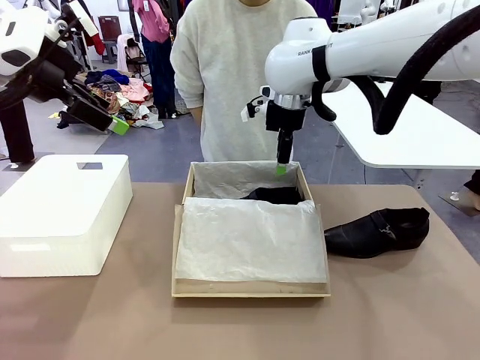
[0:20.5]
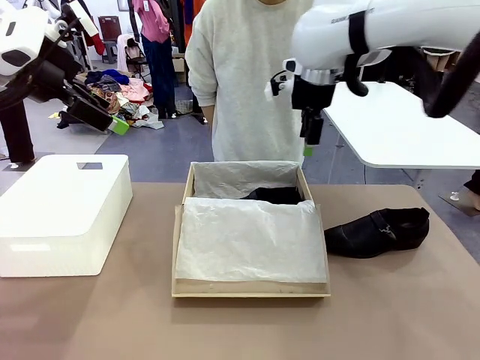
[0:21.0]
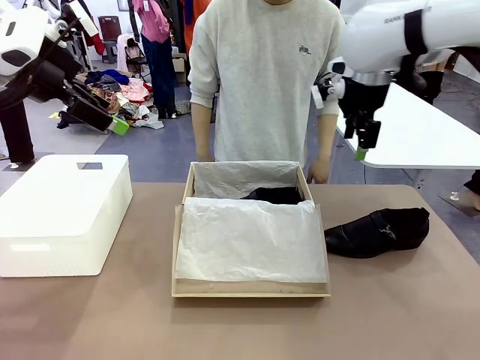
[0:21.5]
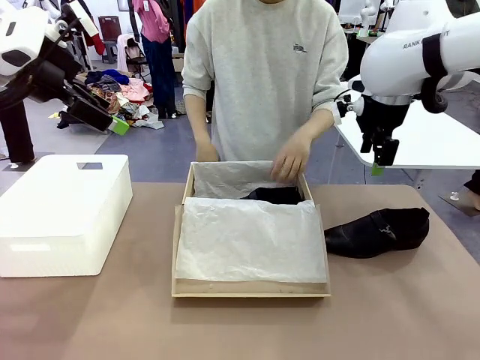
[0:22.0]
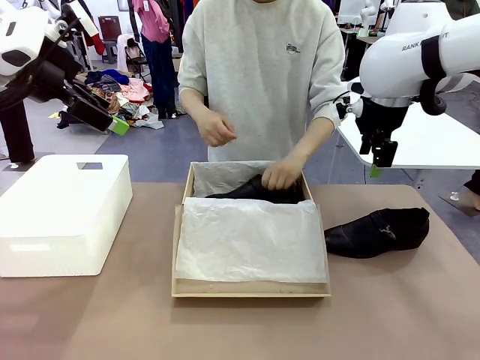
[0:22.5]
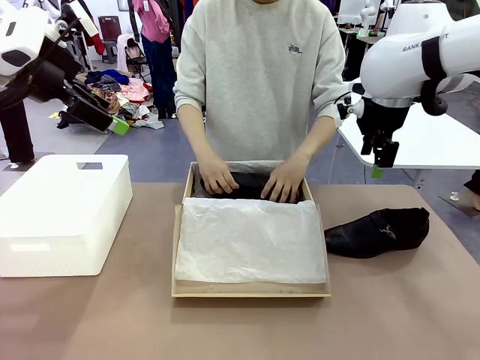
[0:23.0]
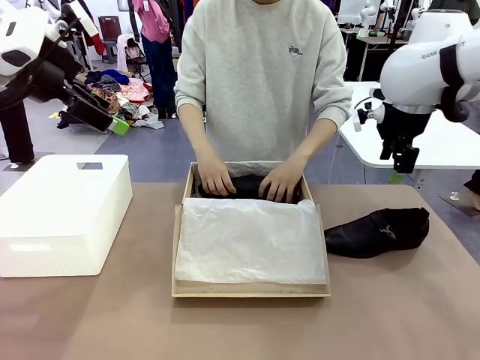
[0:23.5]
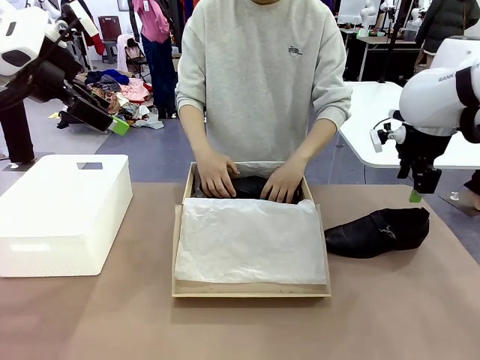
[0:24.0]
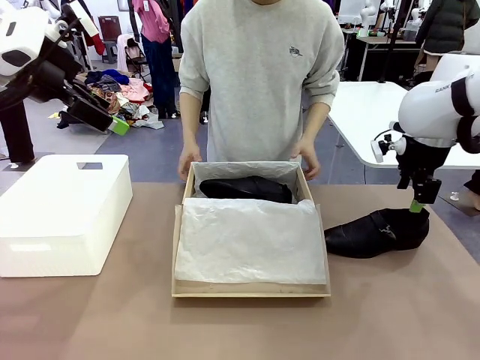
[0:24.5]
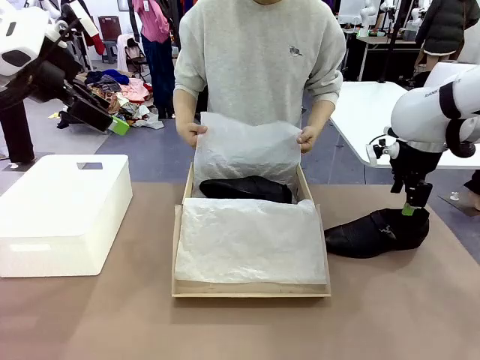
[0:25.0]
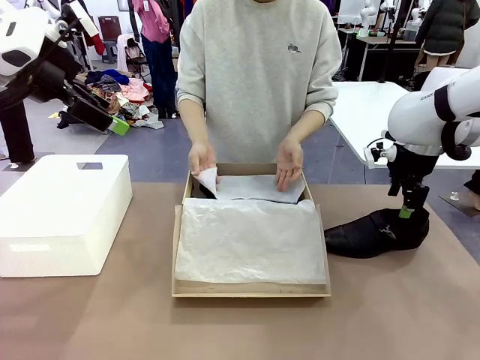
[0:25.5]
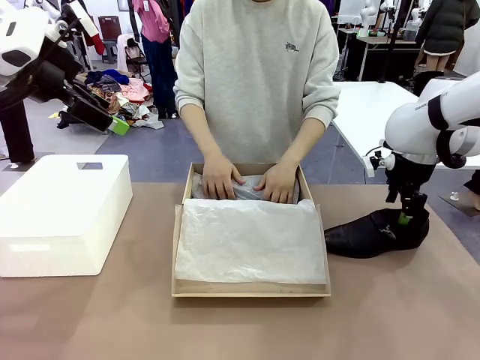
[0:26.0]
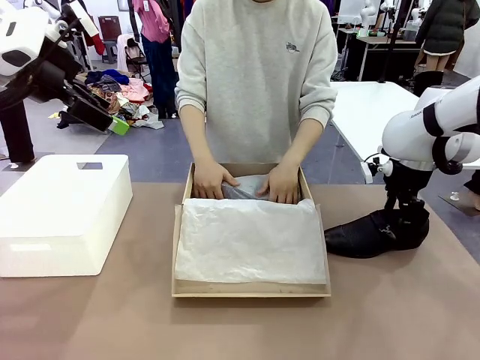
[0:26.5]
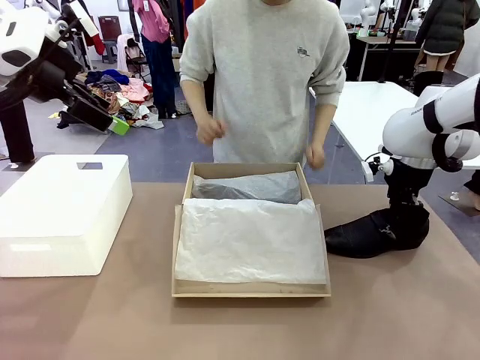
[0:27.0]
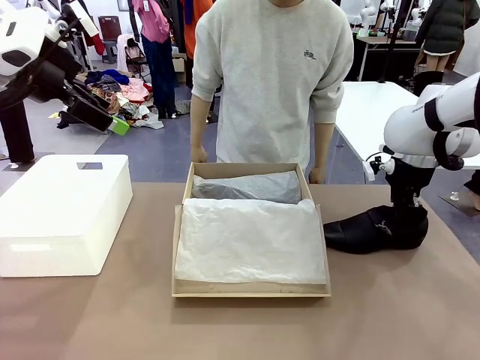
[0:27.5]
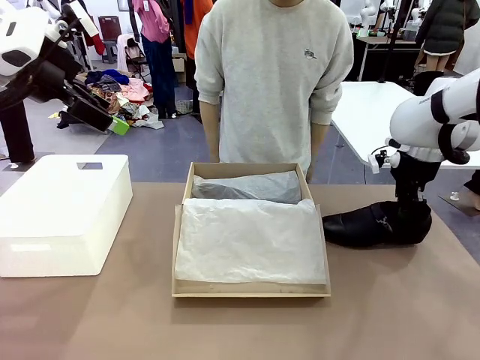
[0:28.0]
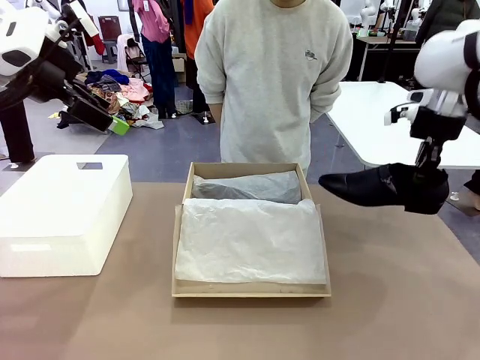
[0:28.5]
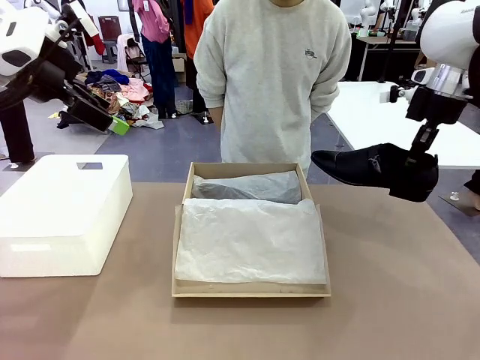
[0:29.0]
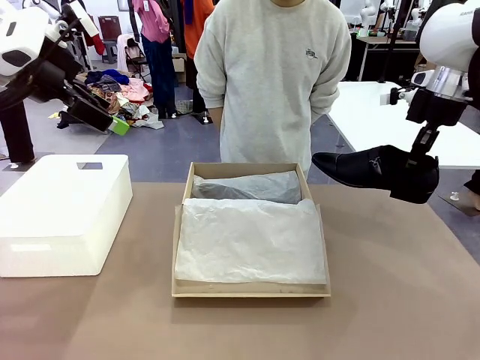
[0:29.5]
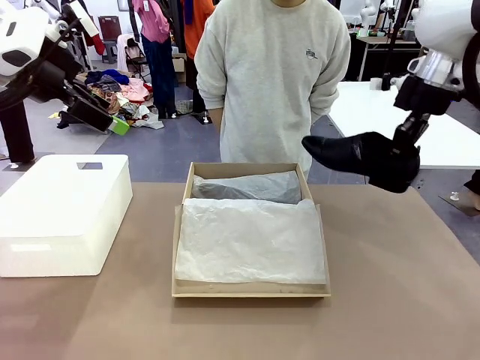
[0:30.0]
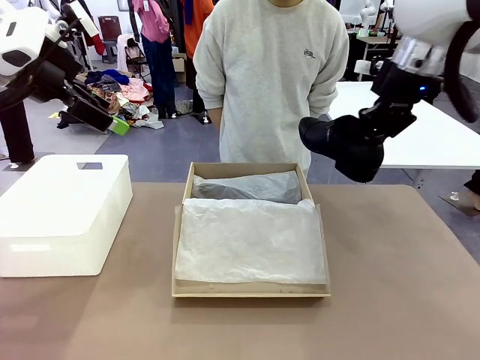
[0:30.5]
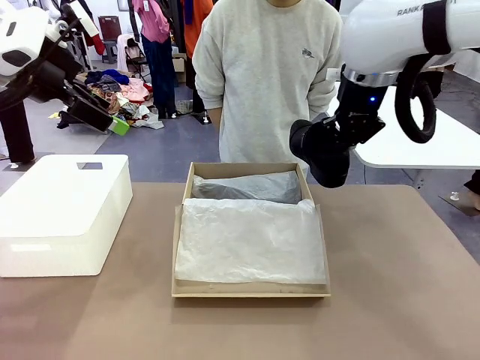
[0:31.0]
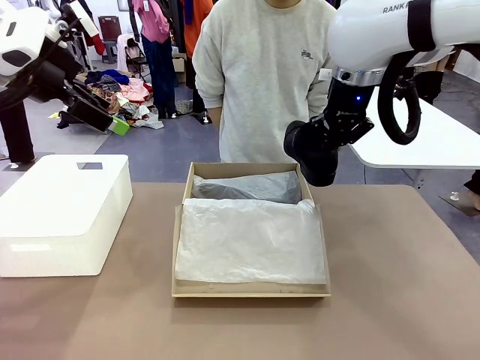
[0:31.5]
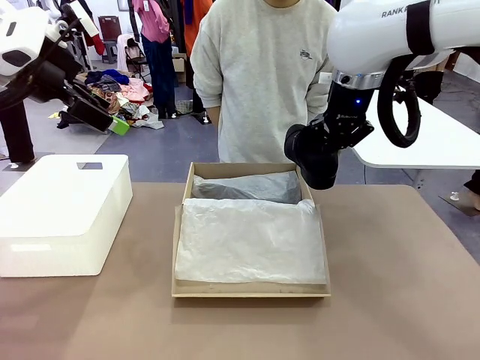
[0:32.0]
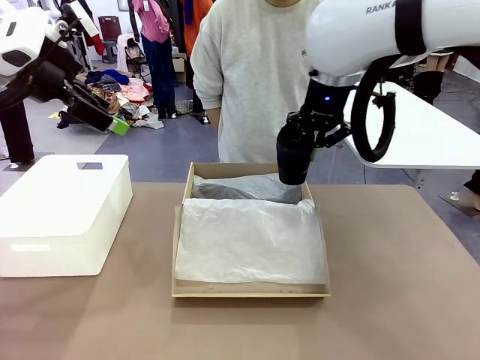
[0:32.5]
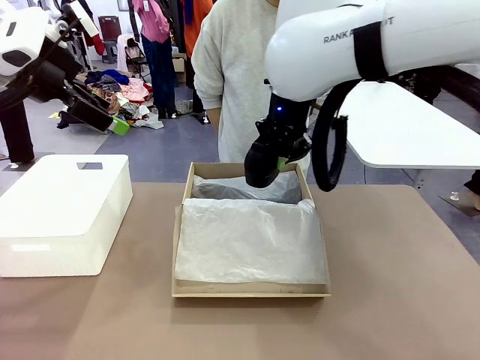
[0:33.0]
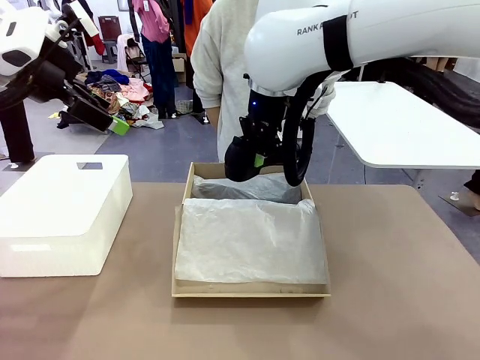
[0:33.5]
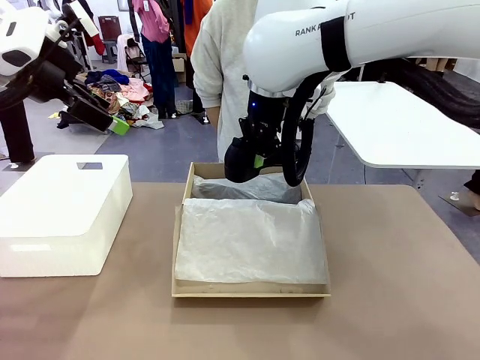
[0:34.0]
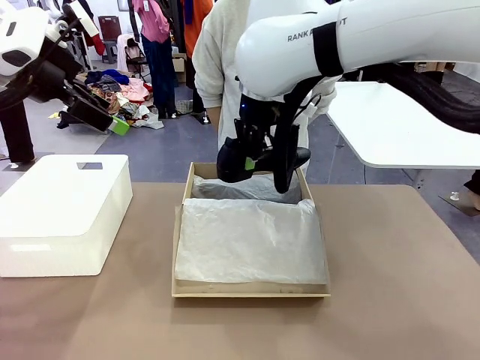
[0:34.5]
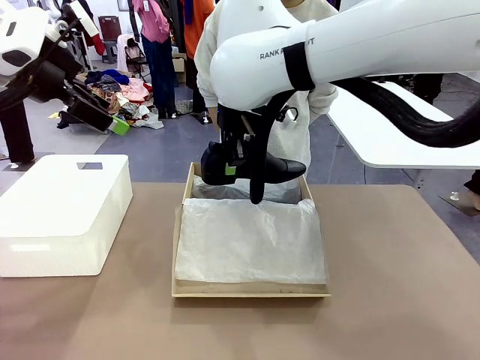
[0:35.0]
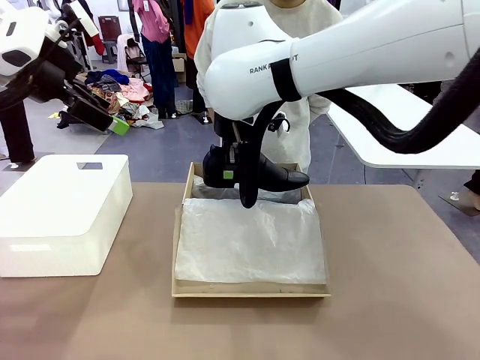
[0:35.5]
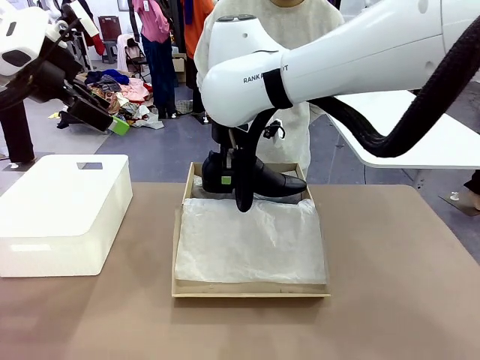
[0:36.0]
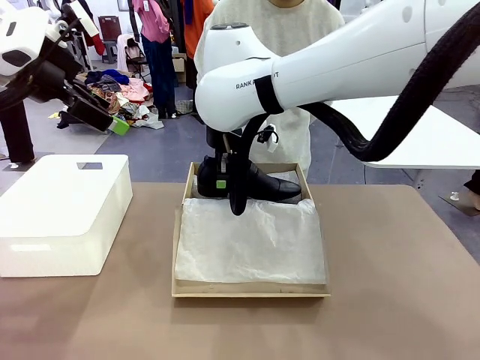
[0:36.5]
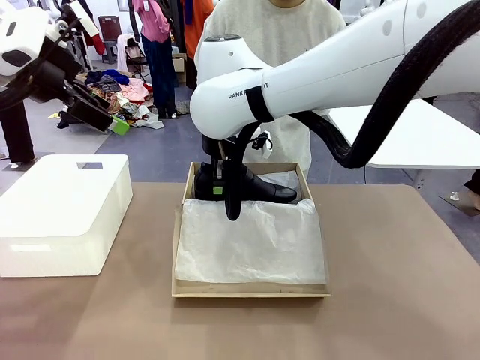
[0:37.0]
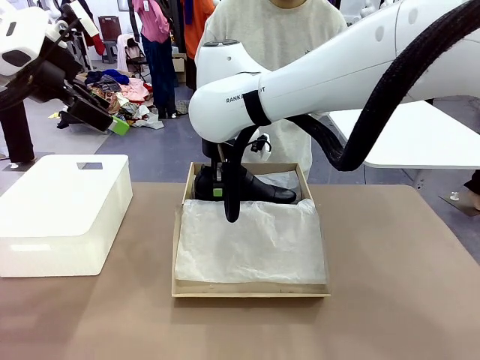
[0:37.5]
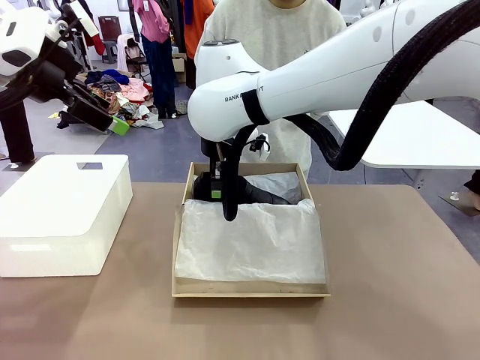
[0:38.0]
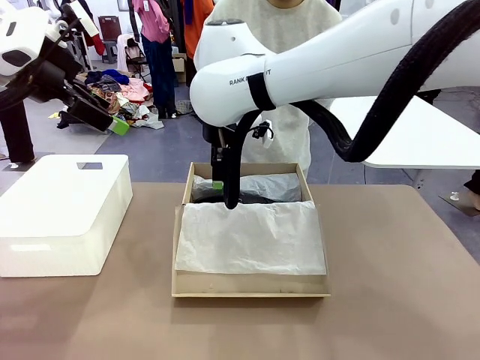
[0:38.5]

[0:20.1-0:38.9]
Task: Pack the shoes into the box.
Robot: Place the other shoe of the Shoes into the Shoes Box.
Person: Pack a shoe of Shoes inside the Shoes Box with Shoes Wrapping Paper.

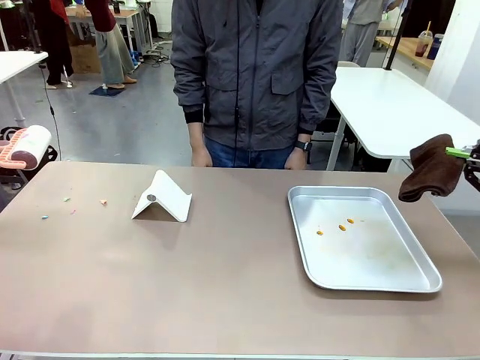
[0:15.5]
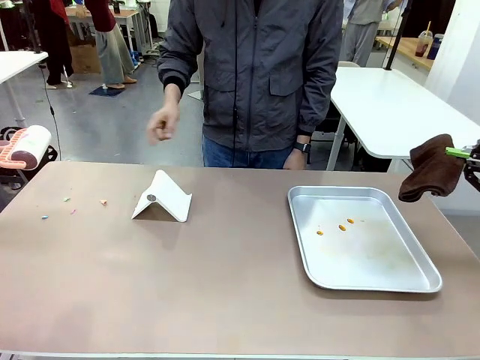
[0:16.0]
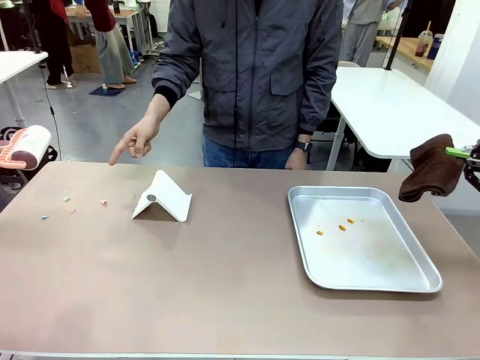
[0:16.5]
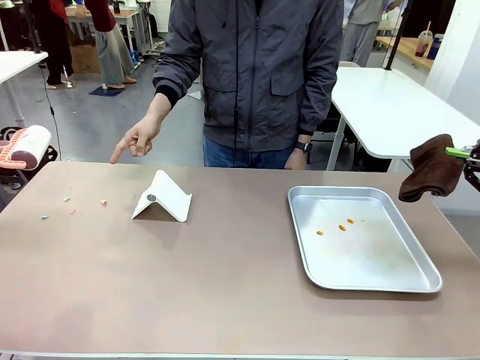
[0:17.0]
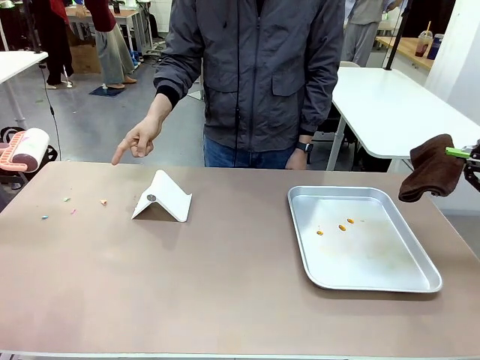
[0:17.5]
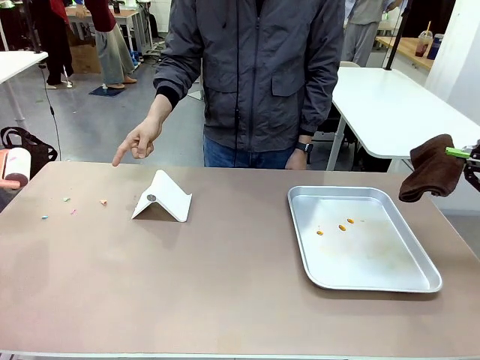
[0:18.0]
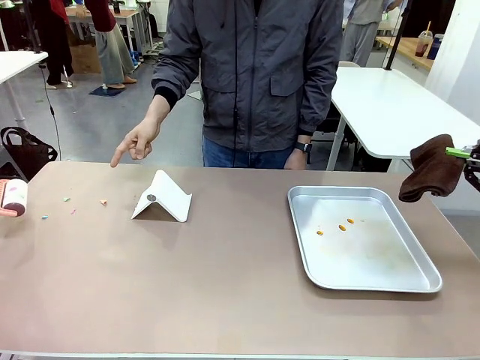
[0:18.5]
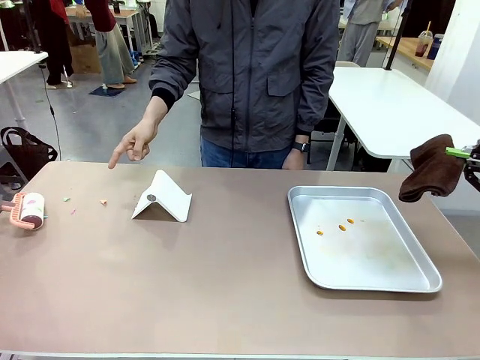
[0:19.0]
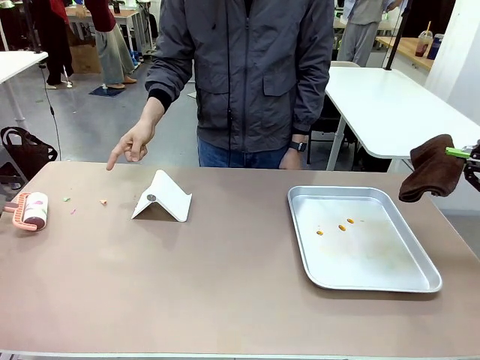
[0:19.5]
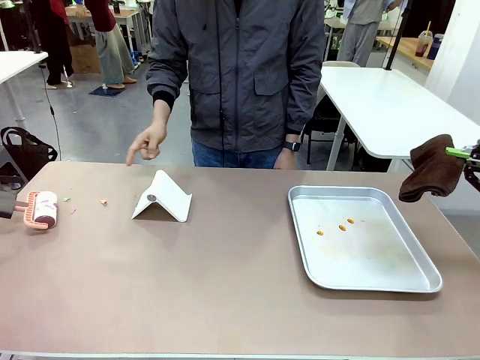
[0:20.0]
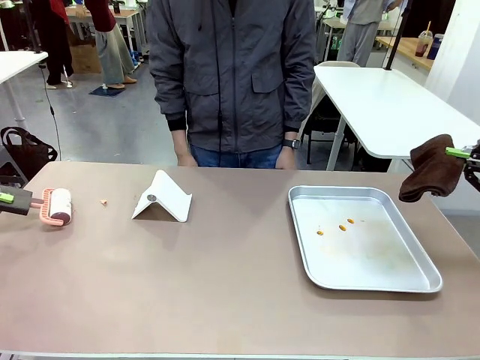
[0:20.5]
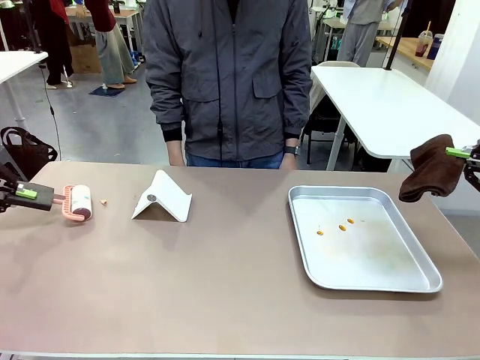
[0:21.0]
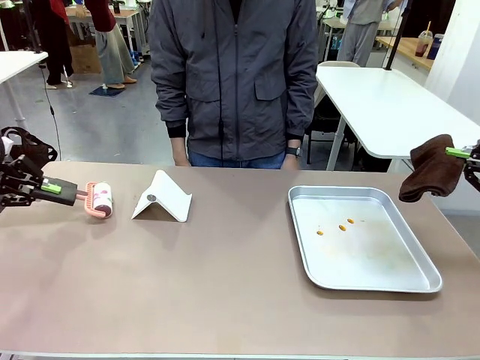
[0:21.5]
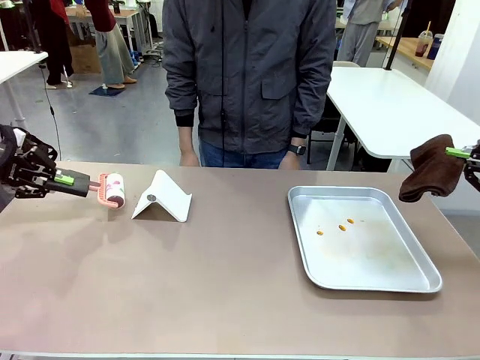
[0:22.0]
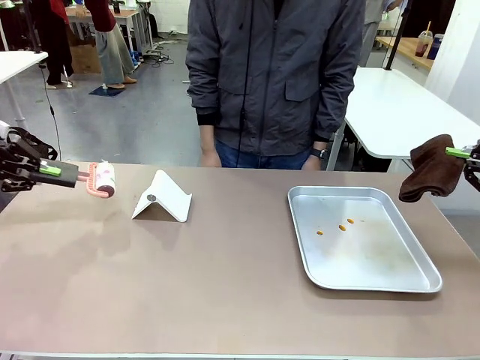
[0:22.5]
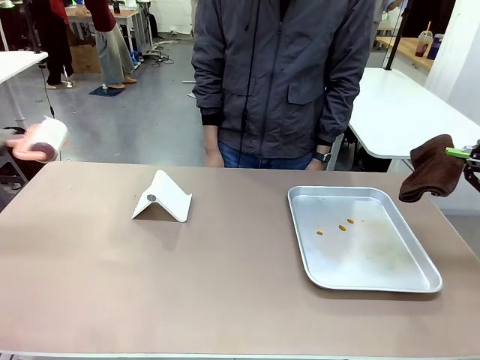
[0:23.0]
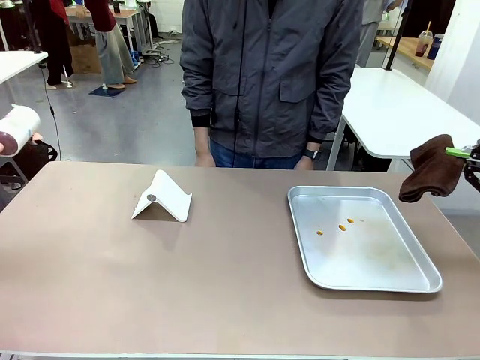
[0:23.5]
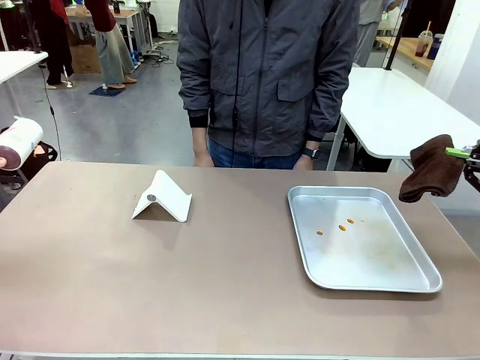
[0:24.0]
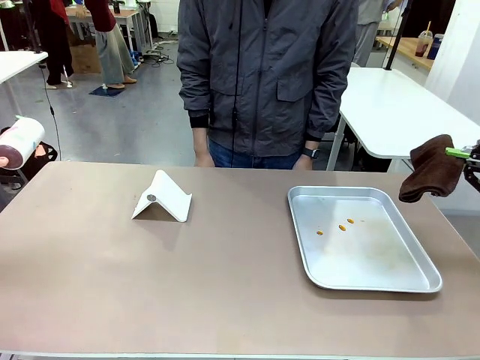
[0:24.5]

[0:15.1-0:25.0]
Task: Clean the surface of the table.
Robot: If a person points to the right, clean the right side of the table with your right hand, and if they point to the left, clean the left side with your left hand.
